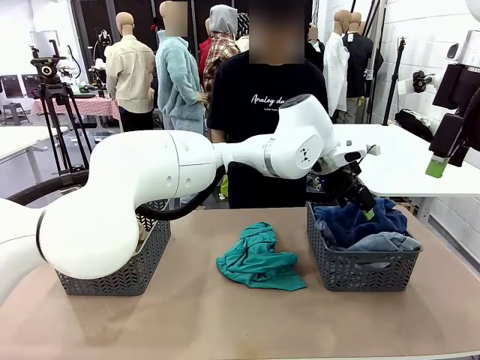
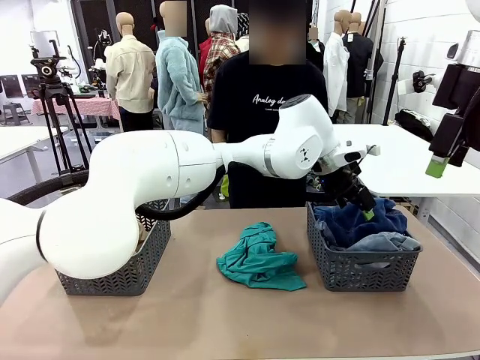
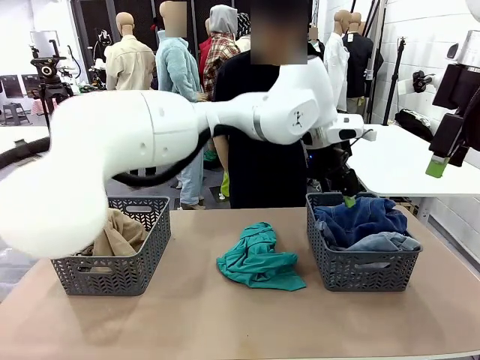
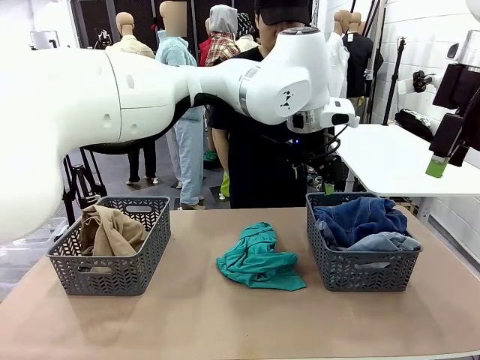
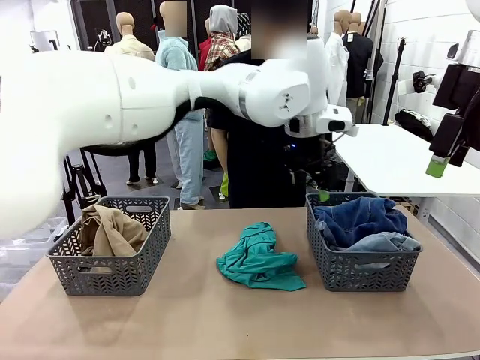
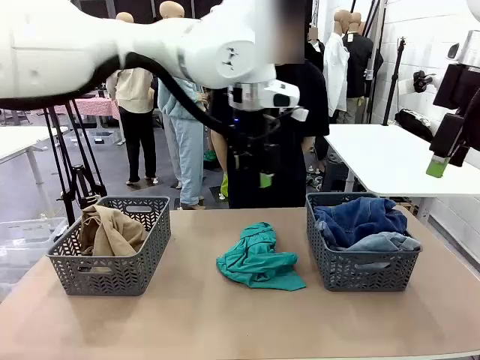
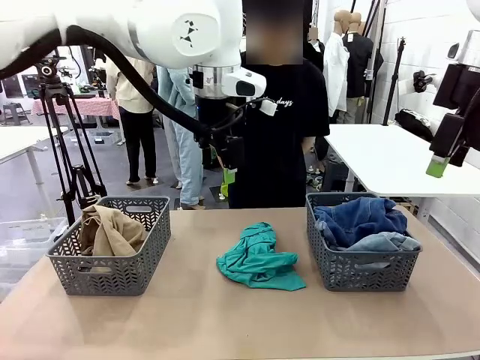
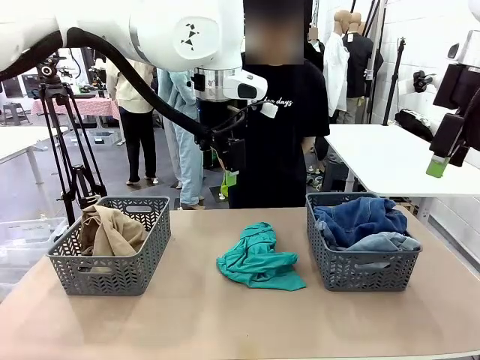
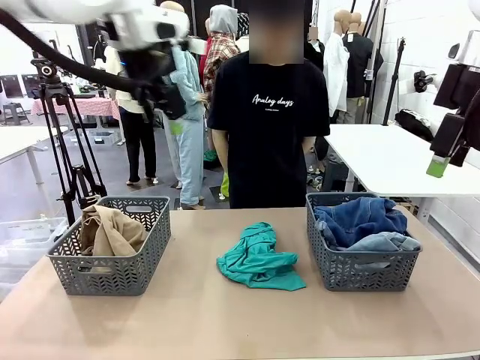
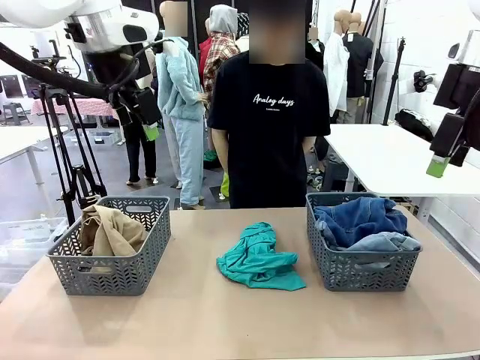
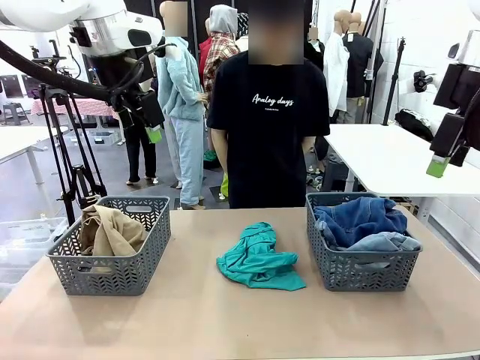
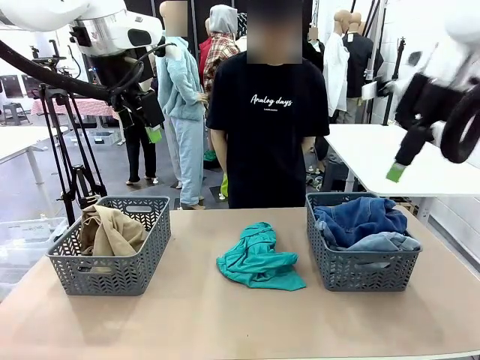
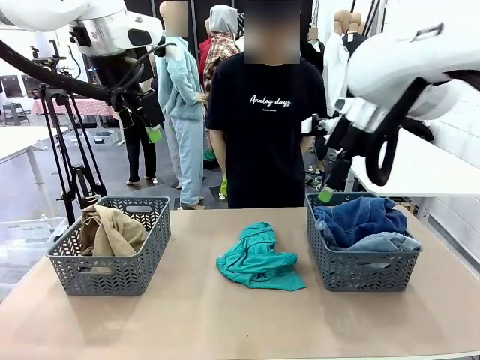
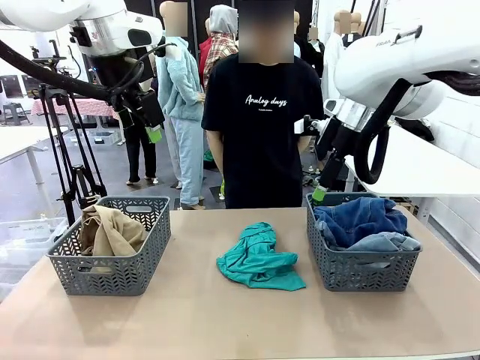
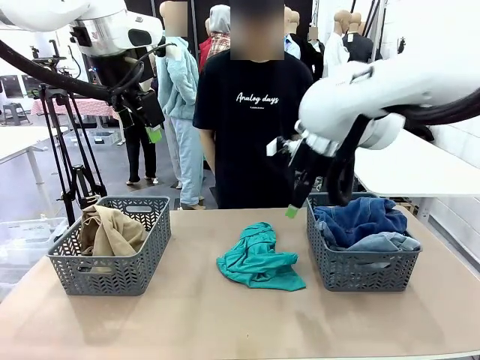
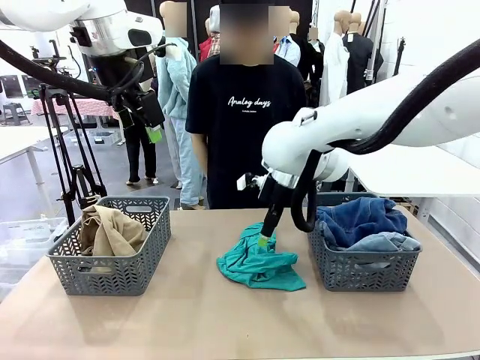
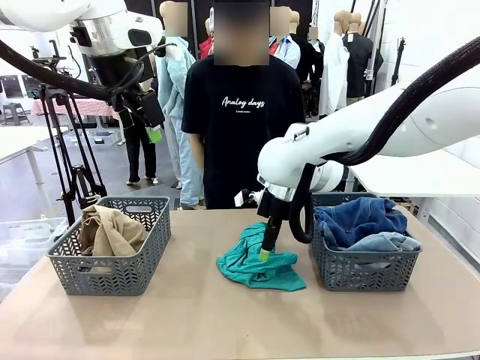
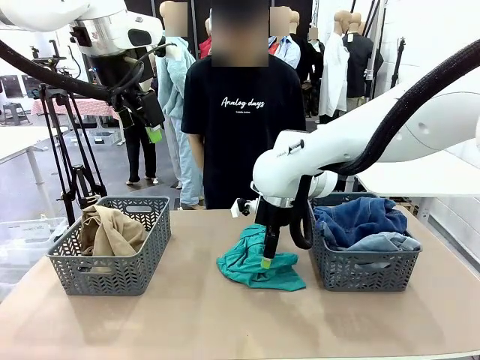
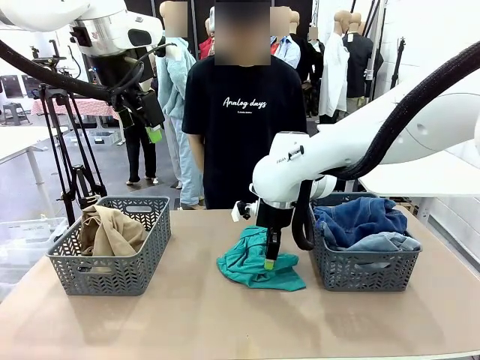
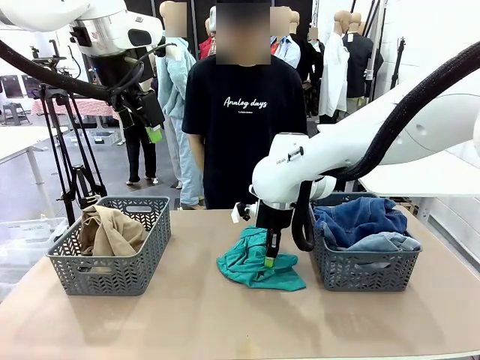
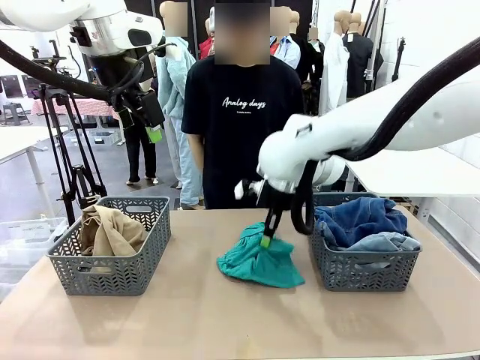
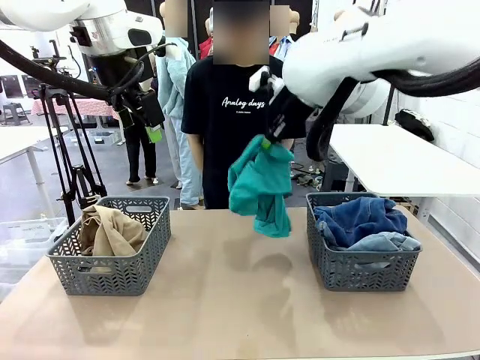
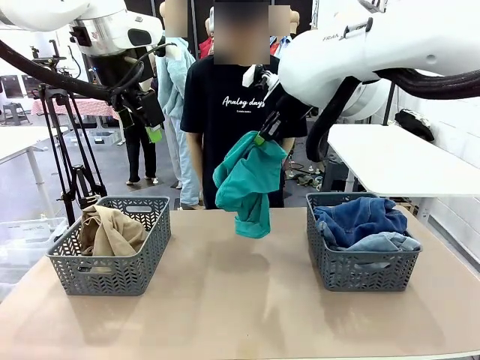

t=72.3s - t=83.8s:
Task: Sort the tops and bottoms.
Robot: Lift clothes from the center of the table with your right hand.

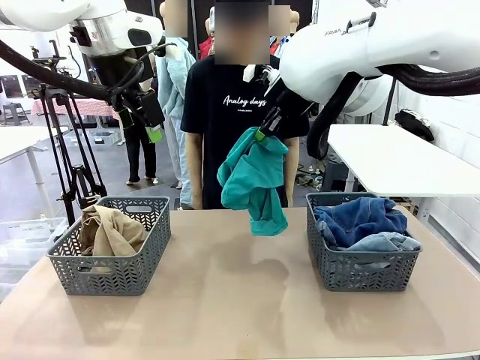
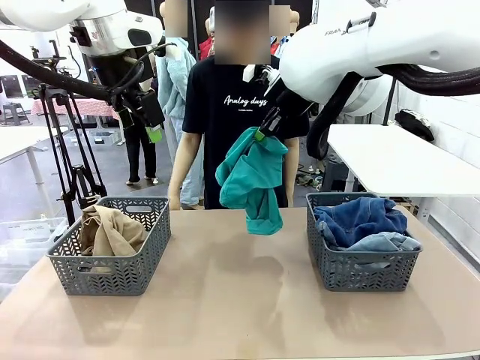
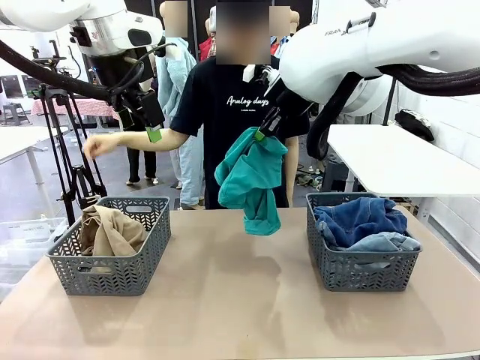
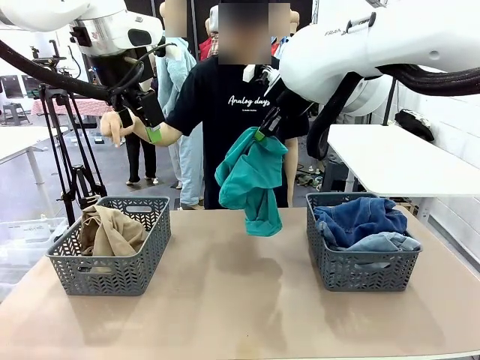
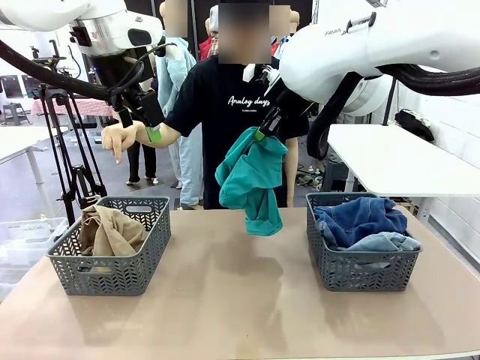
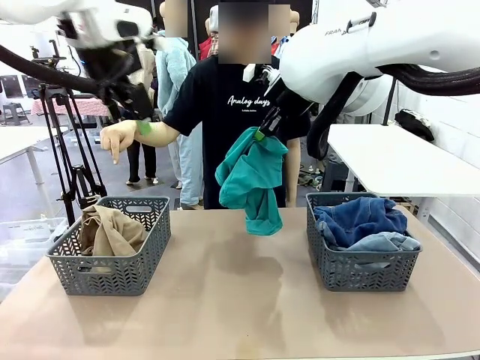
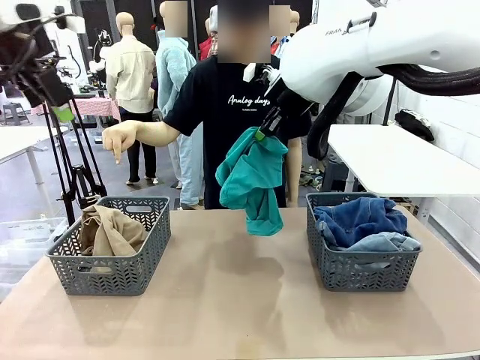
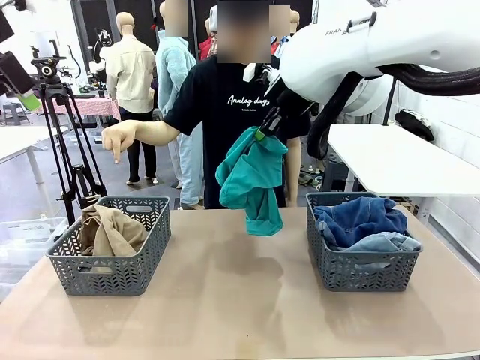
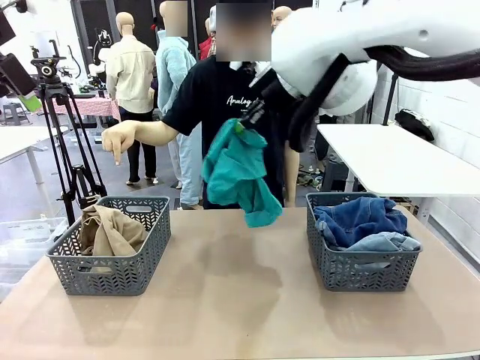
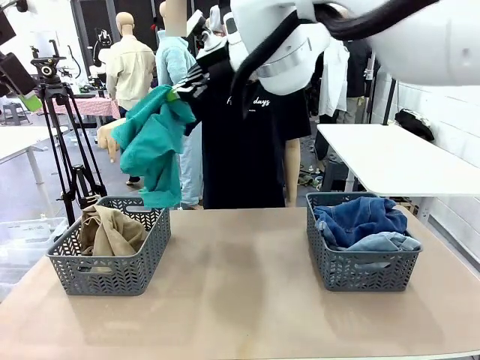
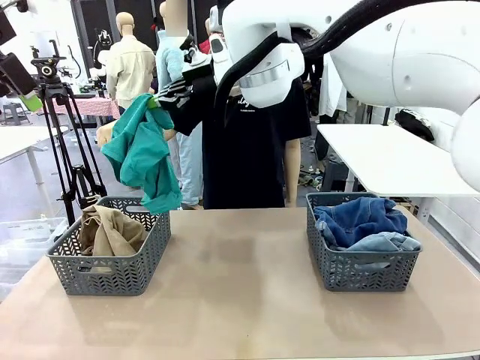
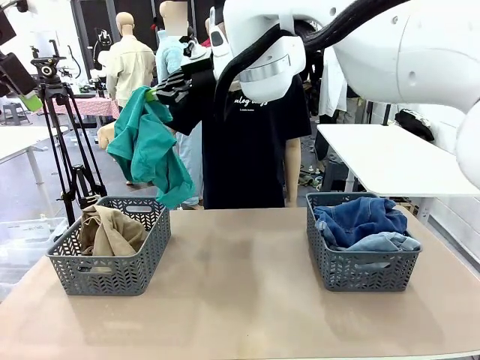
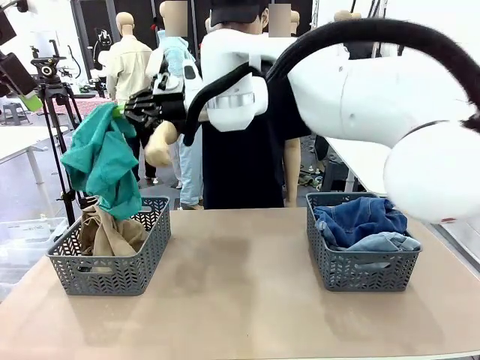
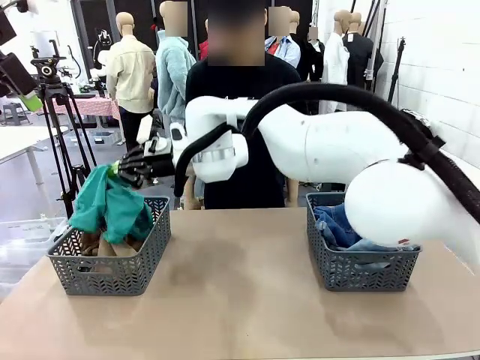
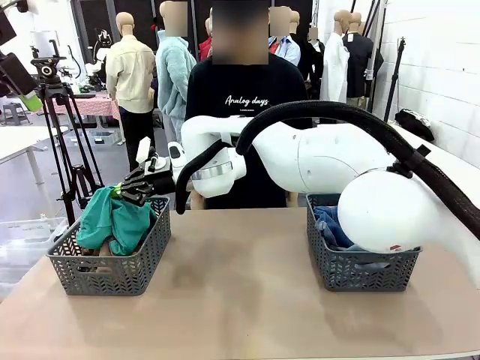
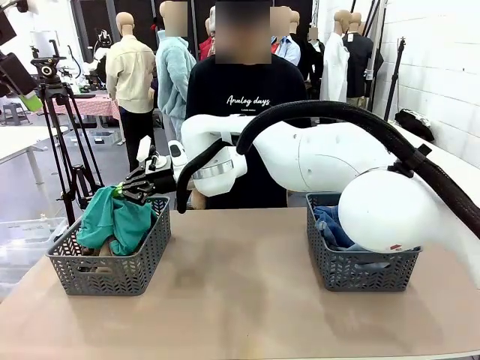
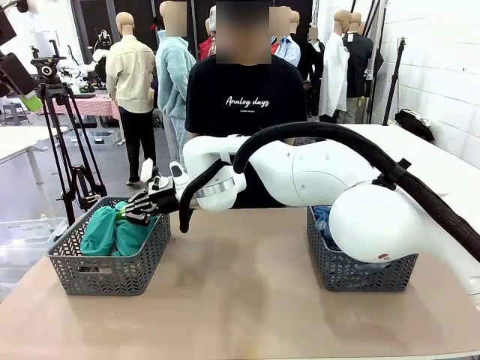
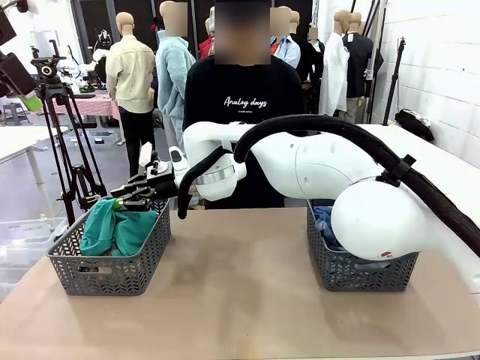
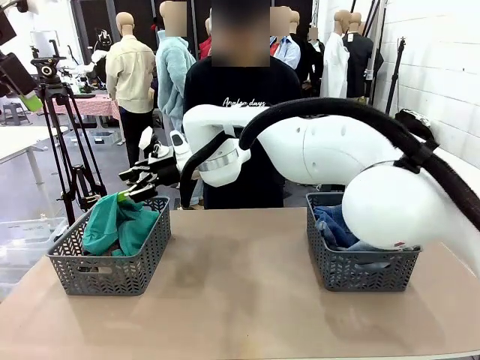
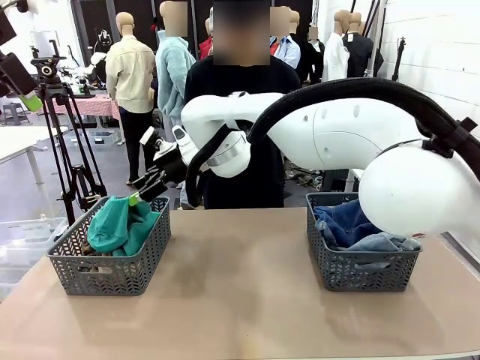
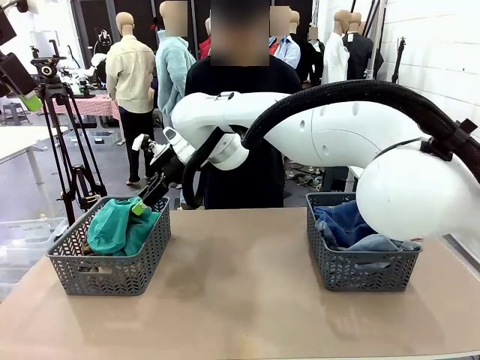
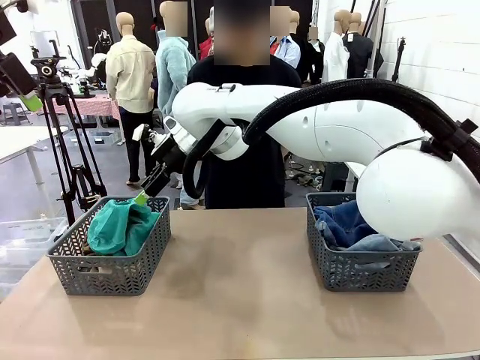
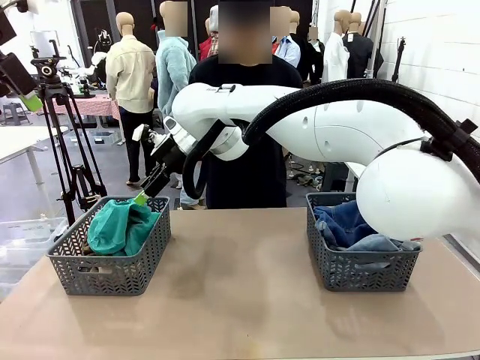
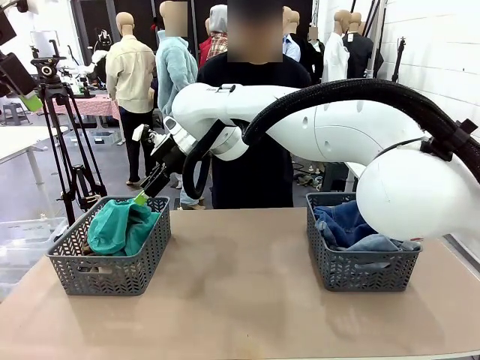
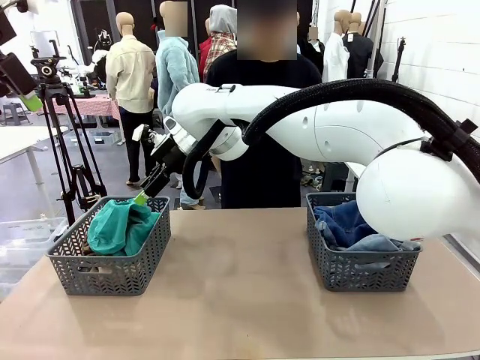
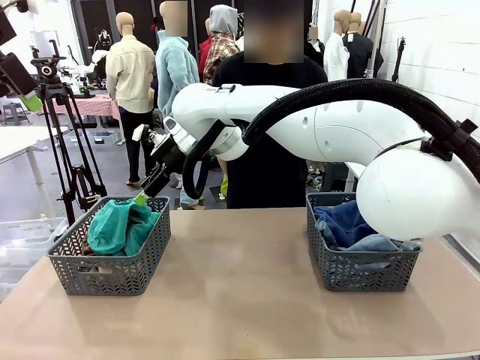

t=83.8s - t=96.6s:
Robot: Sort the clothes according to human instructions.
